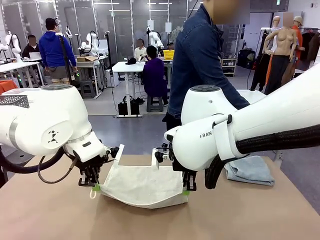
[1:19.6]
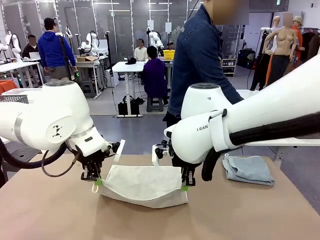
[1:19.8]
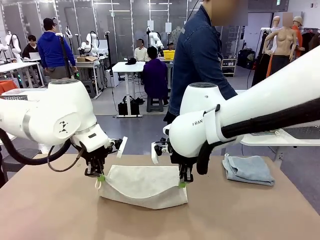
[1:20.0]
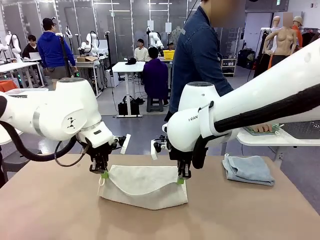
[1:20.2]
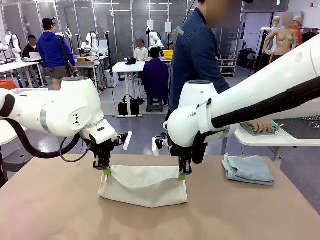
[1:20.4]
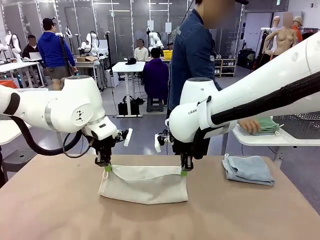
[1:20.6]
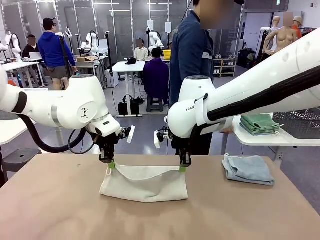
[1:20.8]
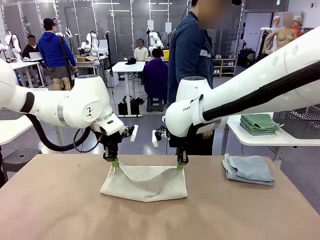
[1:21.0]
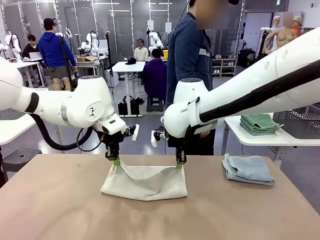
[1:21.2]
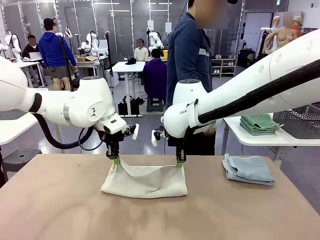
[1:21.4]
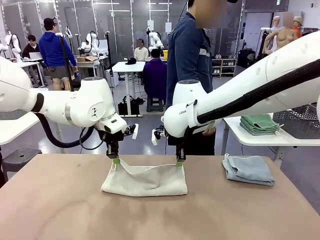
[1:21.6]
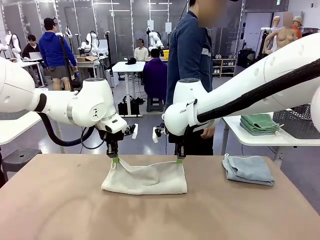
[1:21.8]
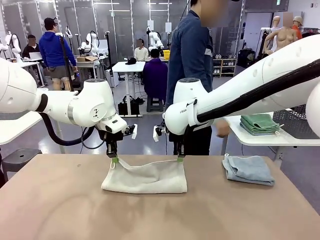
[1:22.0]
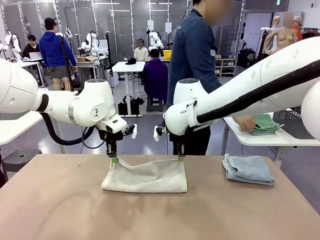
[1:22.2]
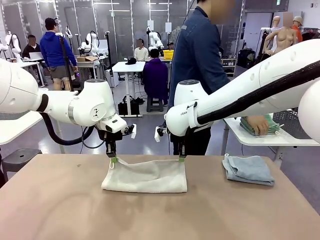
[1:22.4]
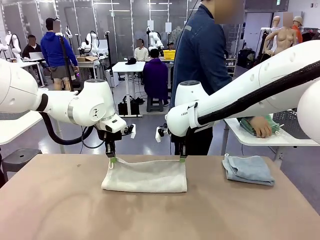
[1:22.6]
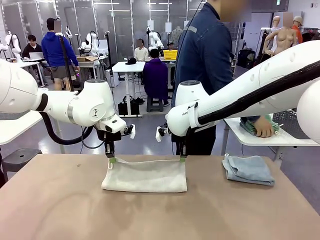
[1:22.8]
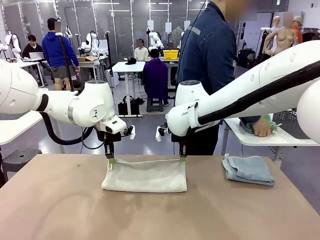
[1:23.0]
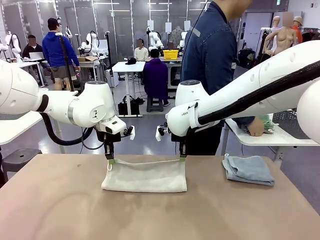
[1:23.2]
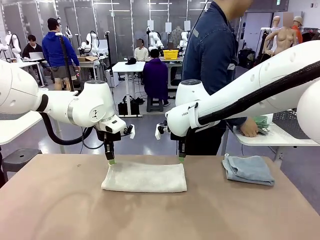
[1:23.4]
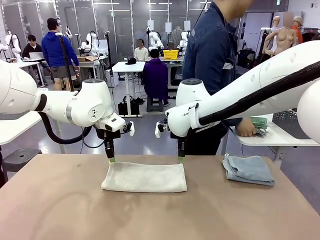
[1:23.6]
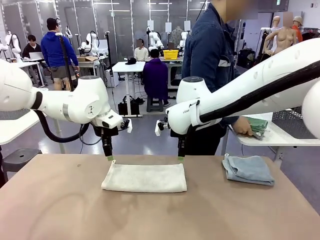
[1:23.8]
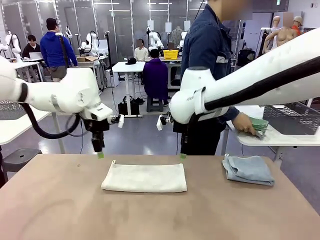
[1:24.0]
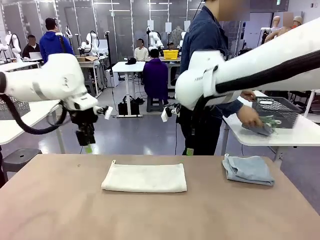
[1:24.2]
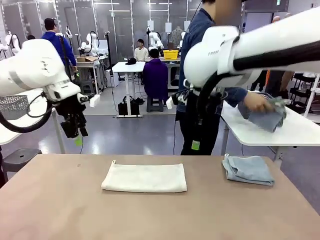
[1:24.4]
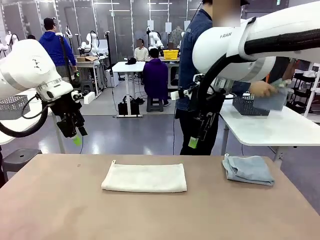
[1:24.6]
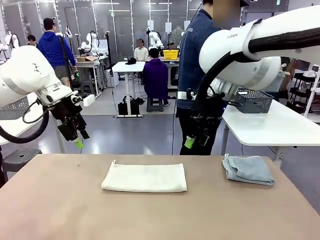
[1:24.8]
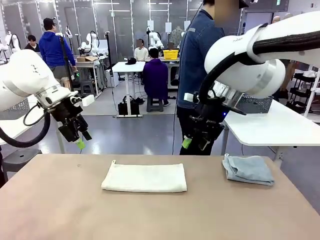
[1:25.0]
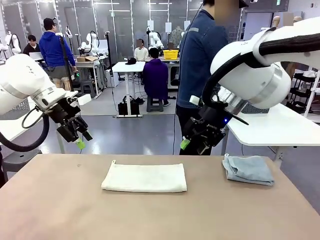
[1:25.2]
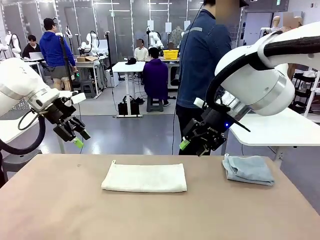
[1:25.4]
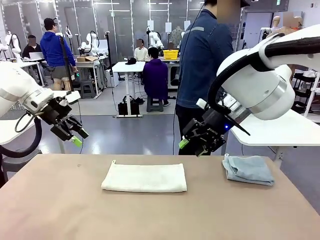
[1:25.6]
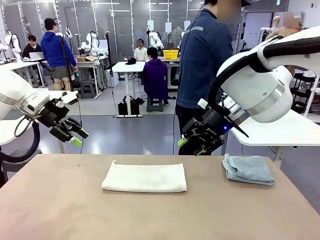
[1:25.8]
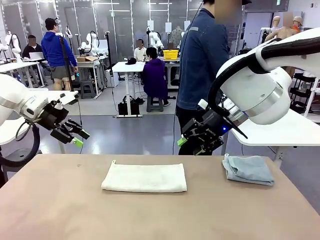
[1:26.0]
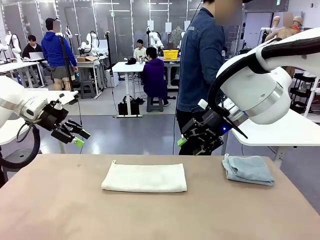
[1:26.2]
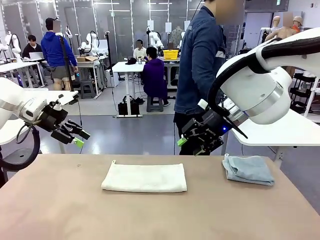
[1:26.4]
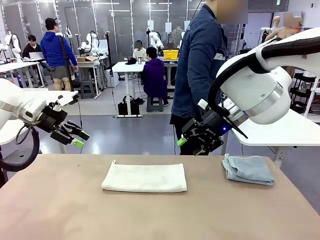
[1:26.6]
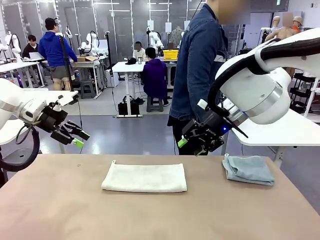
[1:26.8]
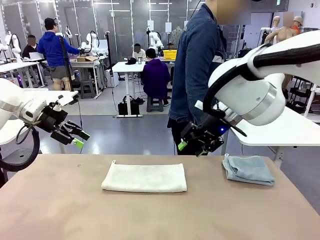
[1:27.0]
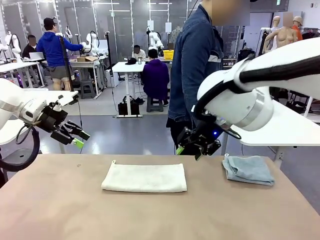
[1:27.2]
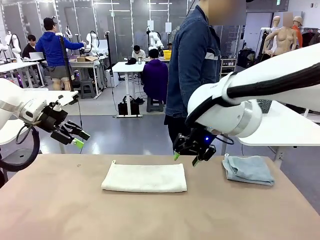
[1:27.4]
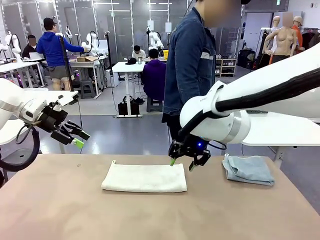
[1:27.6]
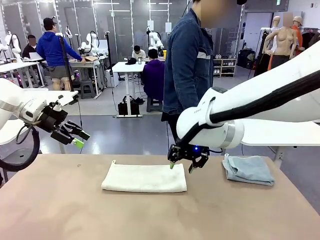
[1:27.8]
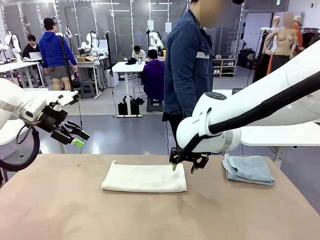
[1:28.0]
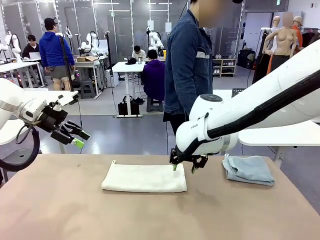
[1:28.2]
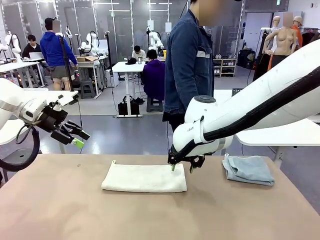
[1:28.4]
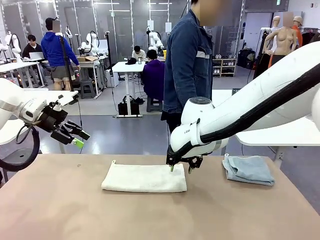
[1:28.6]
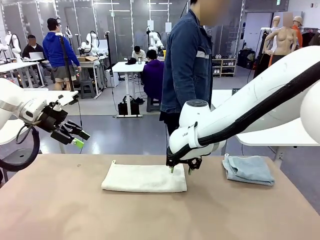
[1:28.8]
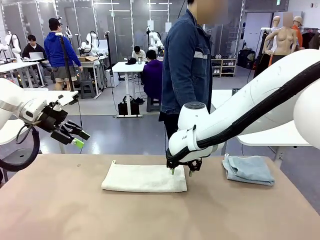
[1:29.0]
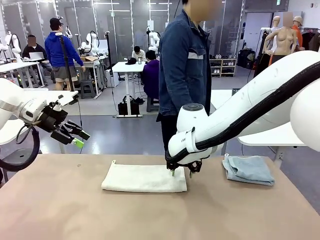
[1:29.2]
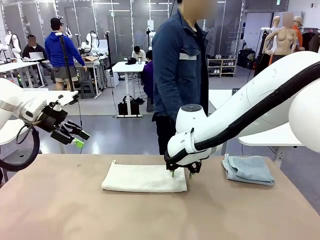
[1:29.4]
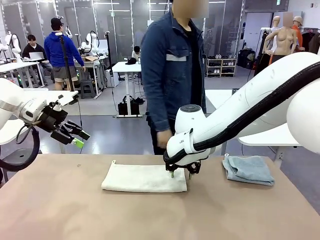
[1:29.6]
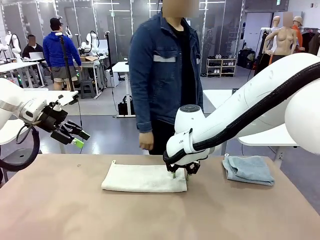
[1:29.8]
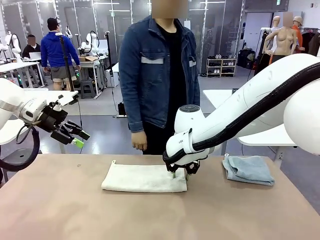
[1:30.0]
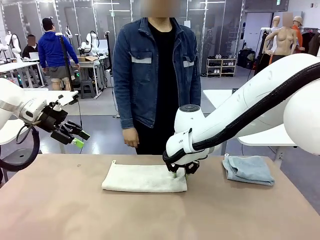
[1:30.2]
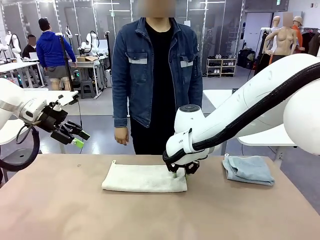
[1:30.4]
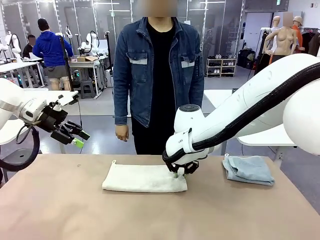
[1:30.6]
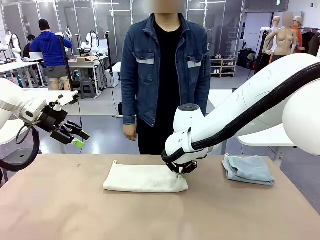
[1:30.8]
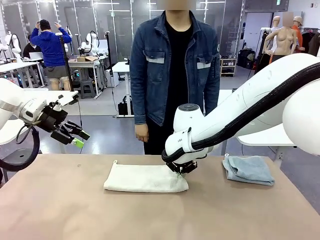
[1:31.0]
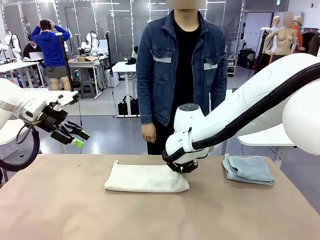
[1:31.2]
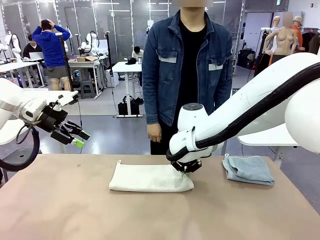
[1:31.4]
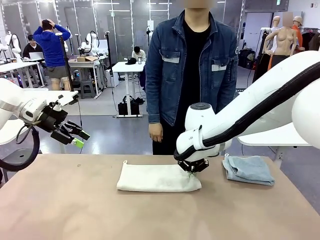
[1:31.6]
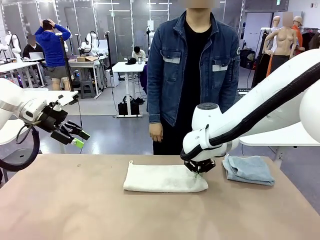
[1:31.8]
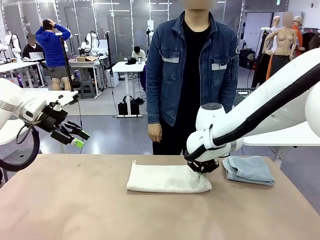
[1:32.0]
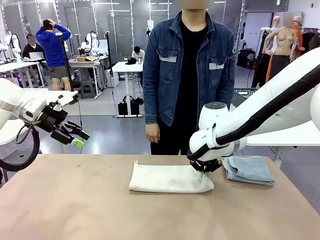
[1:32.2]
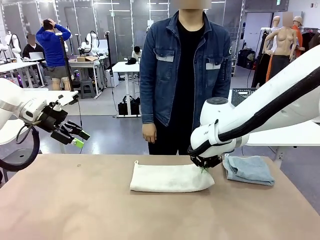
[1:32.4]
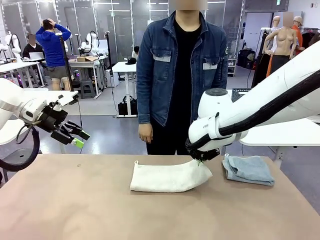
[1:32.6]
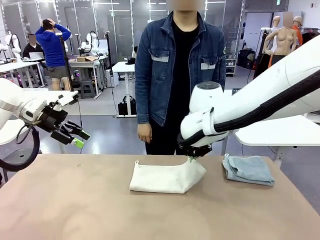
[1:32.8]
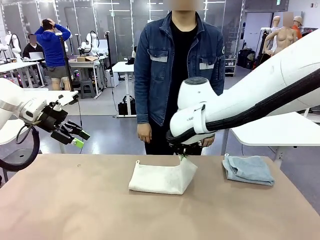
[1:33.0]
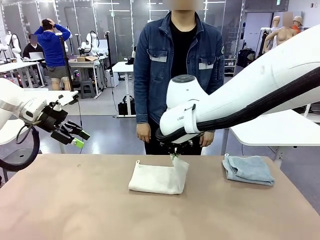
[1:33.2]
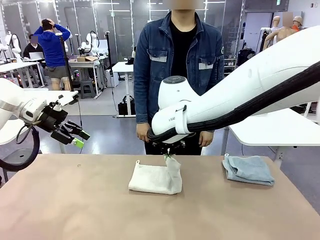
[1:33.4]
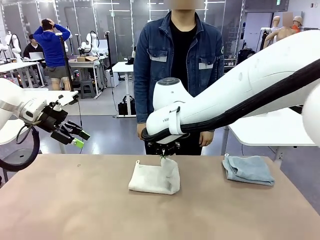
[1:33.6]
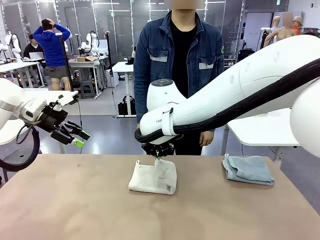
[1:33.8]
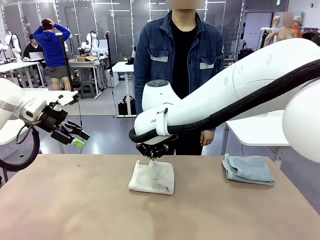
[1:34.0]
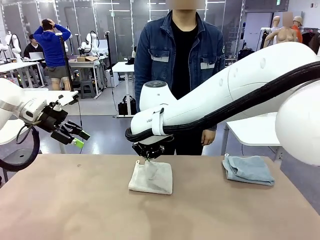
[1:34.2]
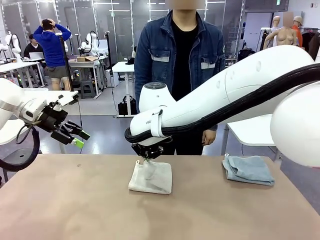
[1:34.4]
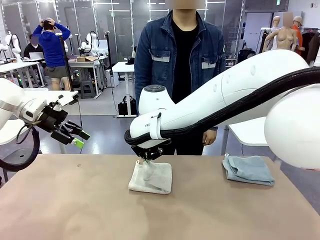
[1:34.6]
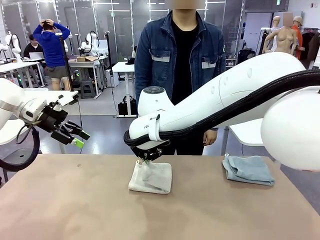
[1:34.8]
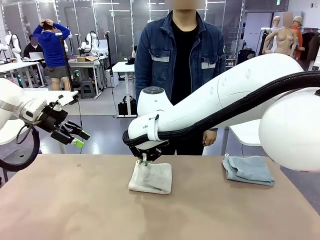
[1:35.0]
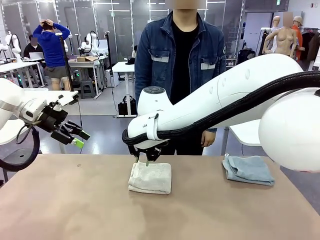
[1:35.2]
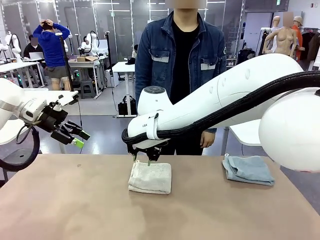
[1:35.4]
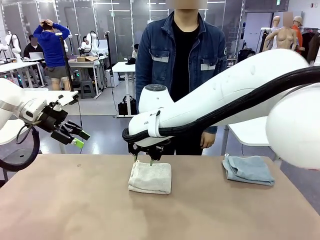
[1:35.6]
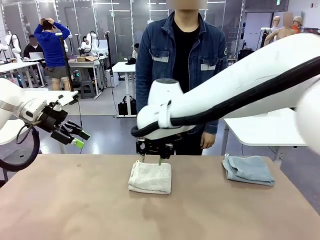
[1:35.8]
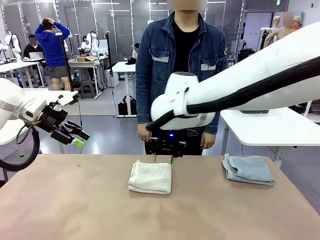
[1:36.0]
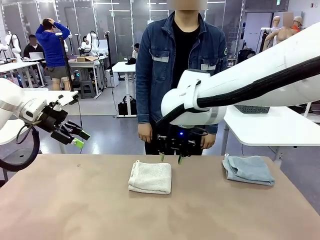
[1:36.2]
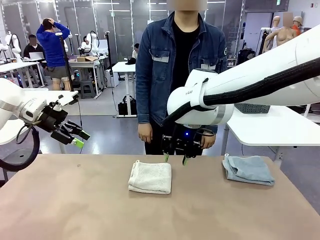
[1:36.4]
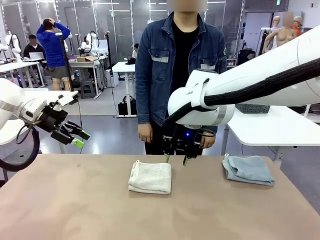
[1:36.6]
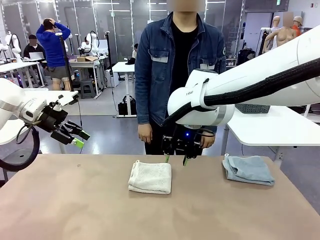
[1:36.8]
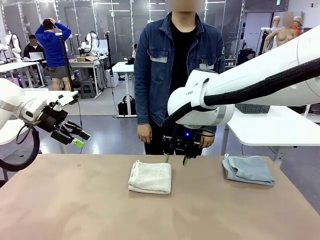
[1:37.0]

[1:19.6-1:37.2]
Task: Fold the towels and place them in the basket.
Robot: When a person lays out a Towel with hook on the table, fold it in half twice.
Person: Pick up the stack of towels from the right side of the human table, place it into the basket, and put the basket at the center of the table.
